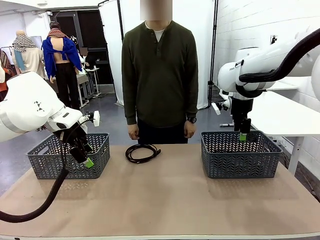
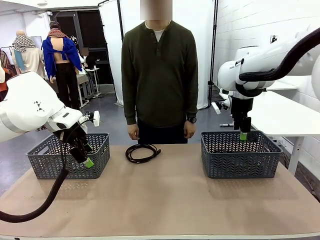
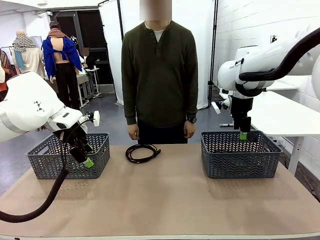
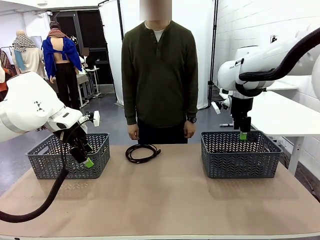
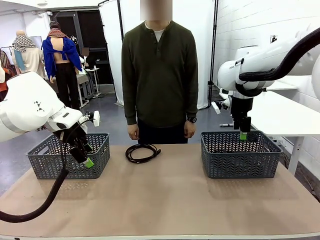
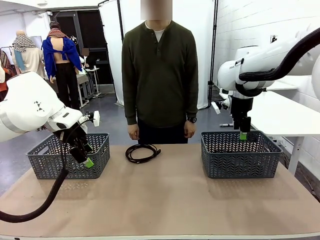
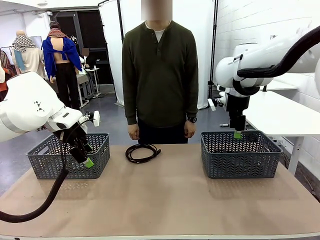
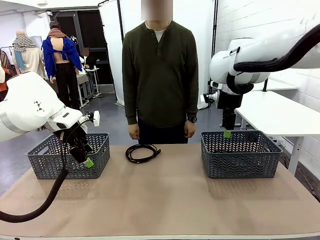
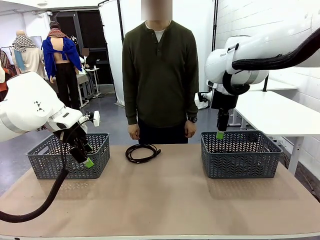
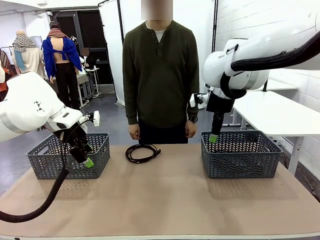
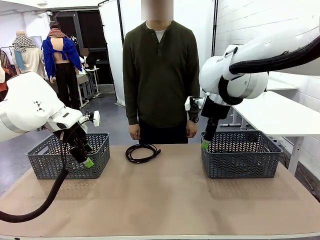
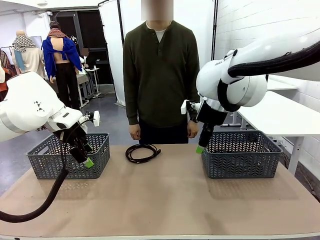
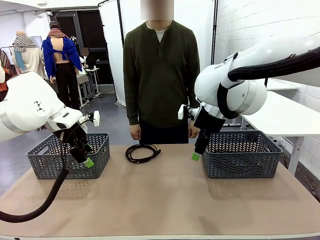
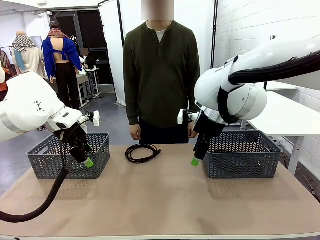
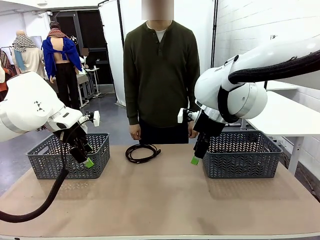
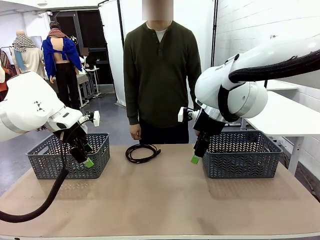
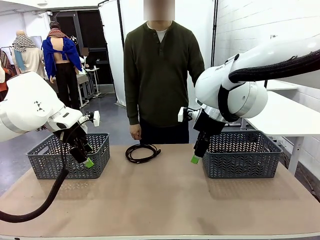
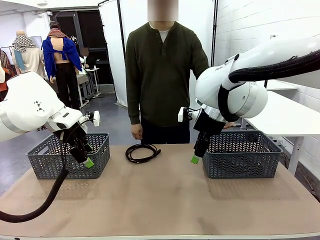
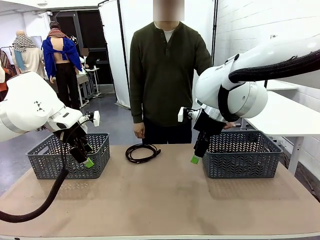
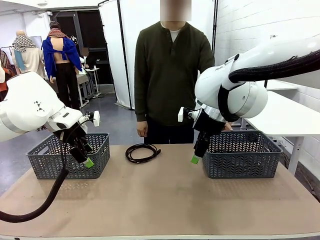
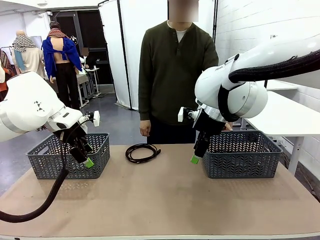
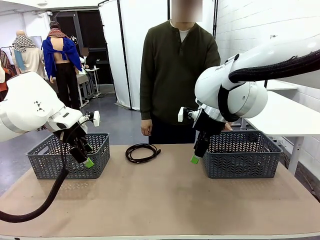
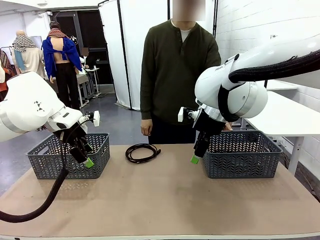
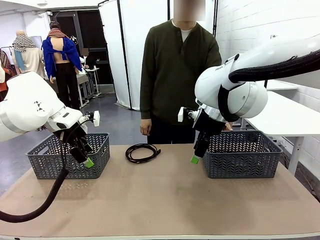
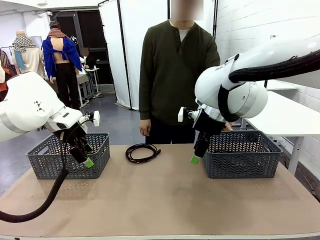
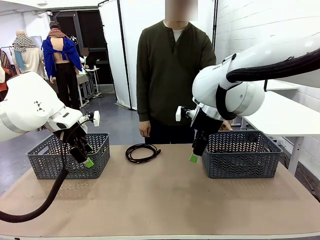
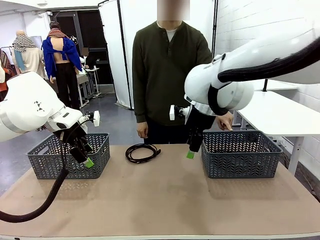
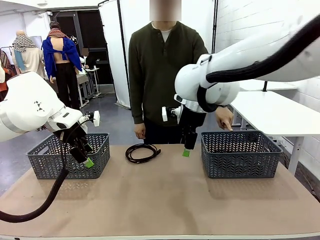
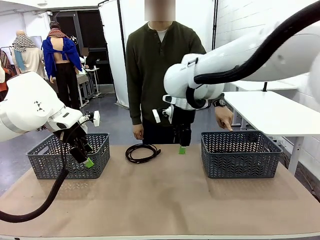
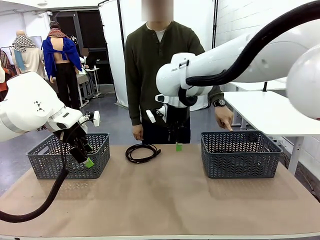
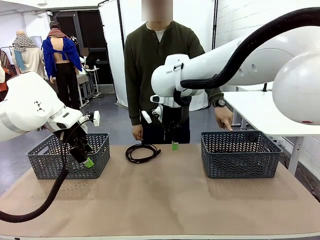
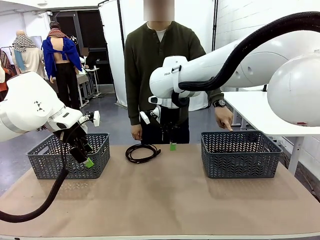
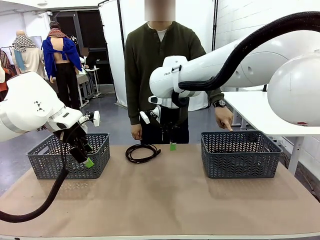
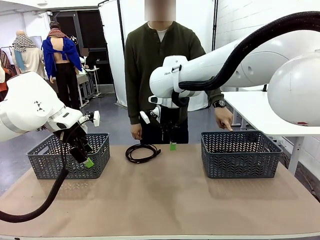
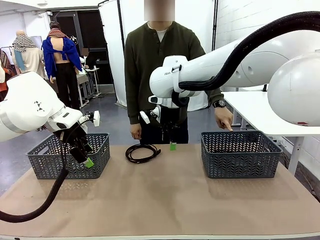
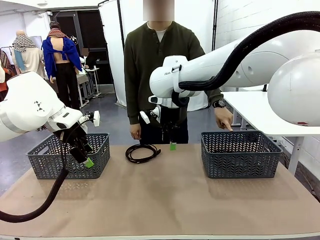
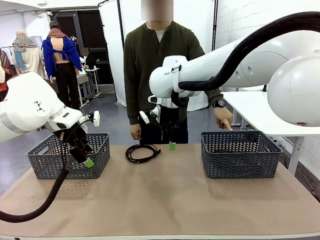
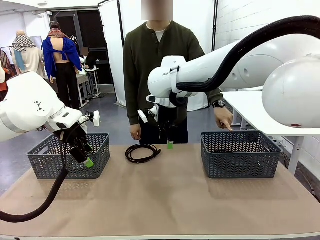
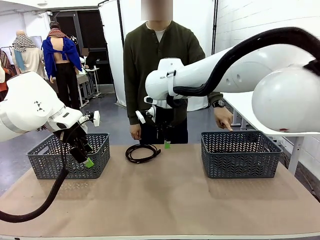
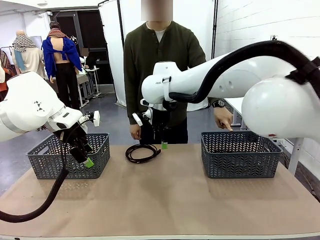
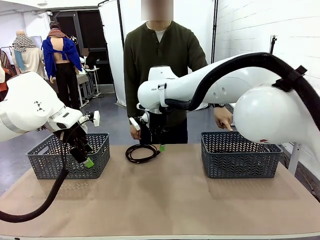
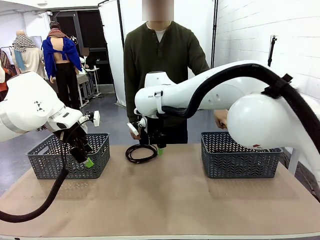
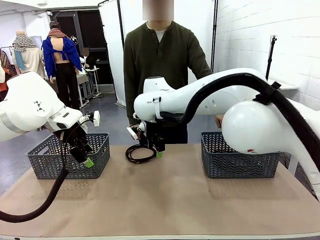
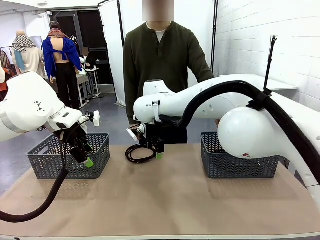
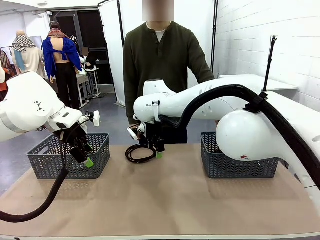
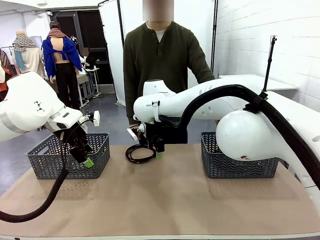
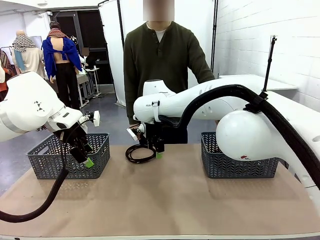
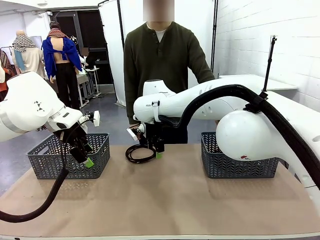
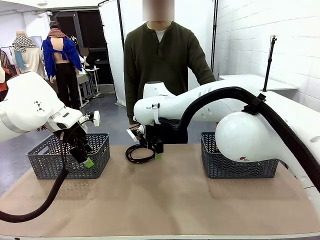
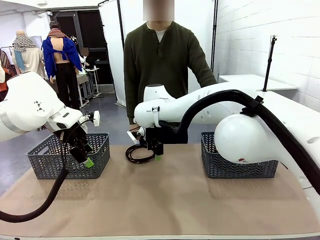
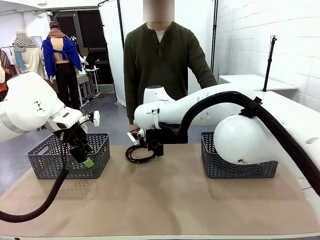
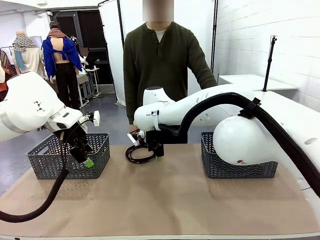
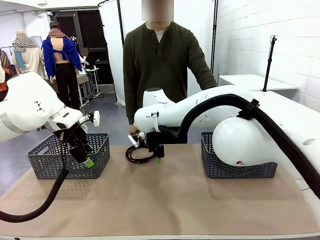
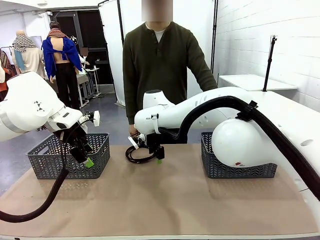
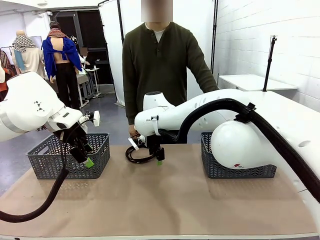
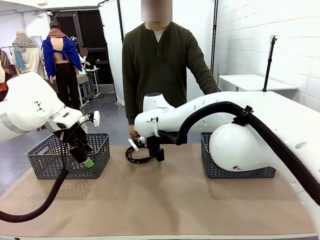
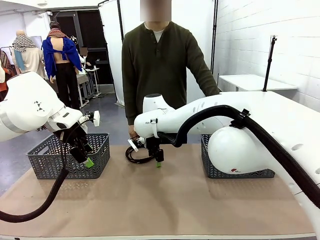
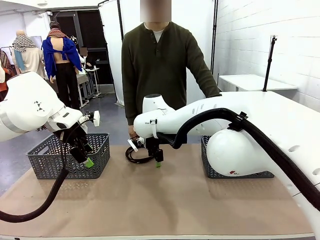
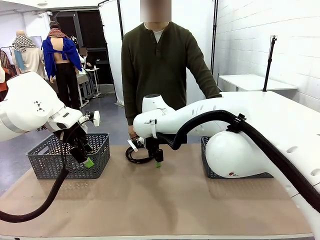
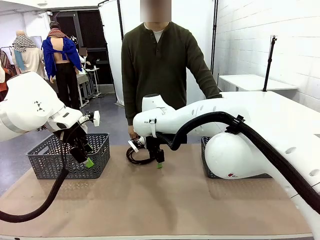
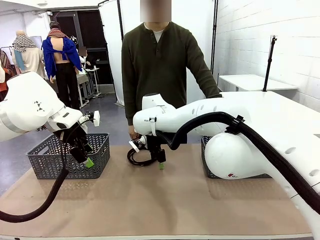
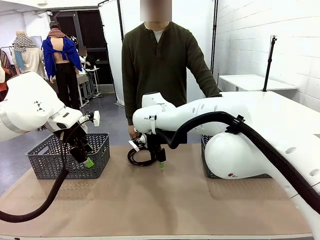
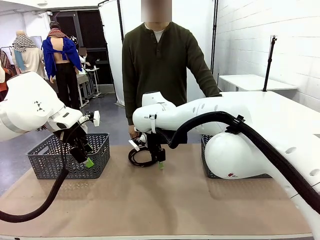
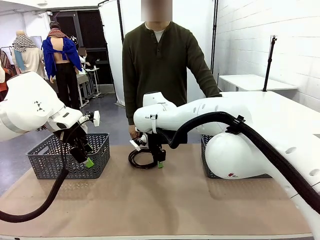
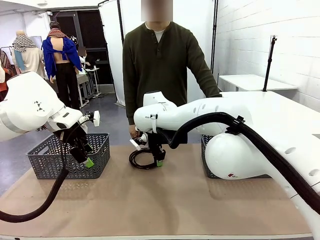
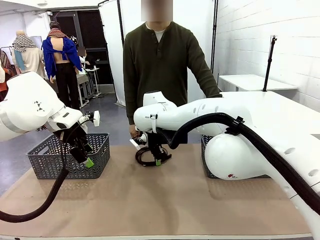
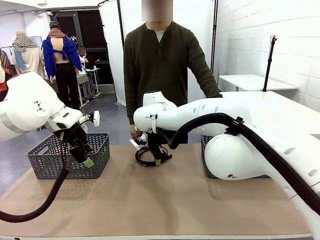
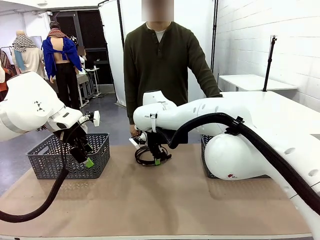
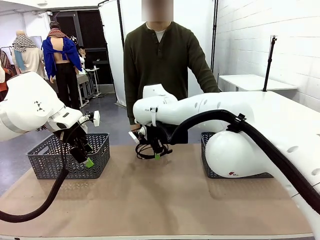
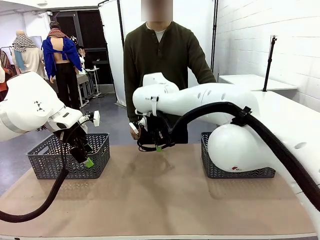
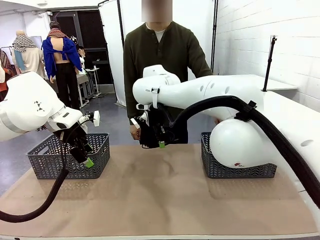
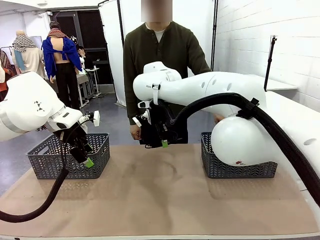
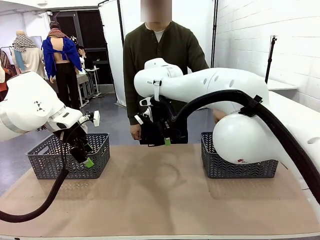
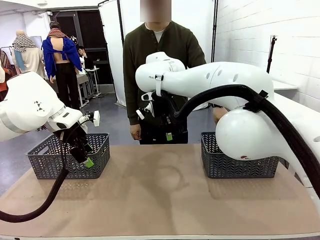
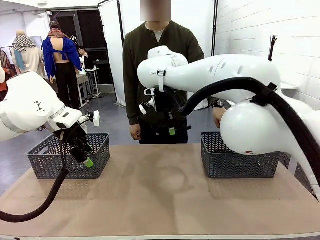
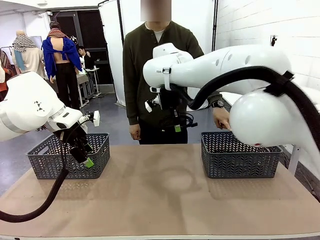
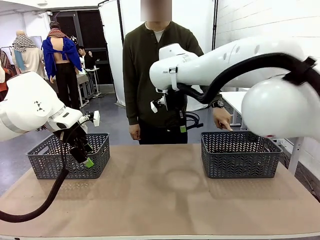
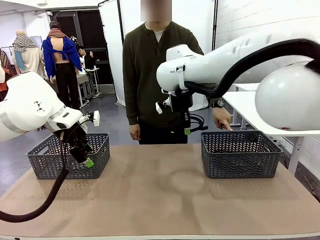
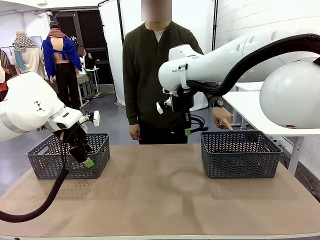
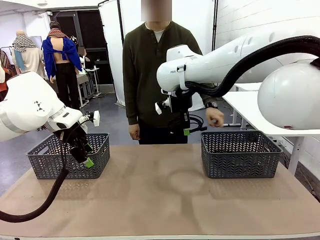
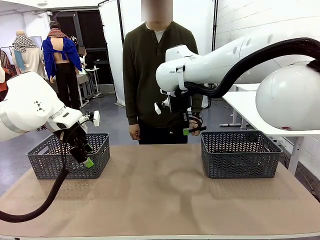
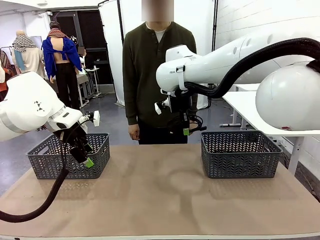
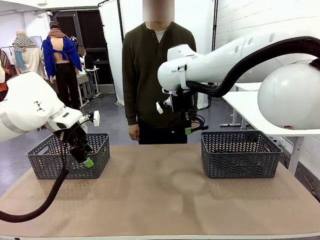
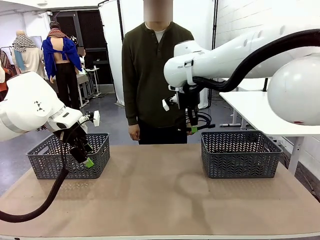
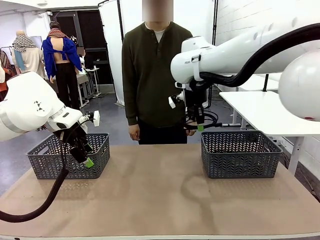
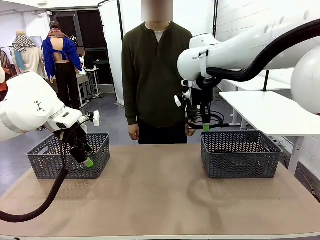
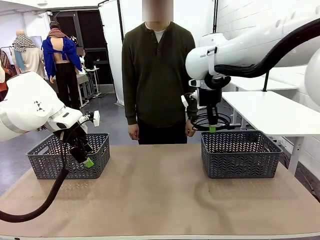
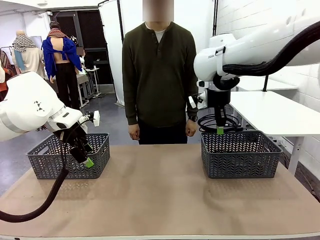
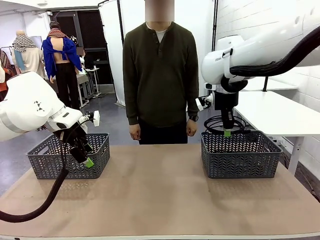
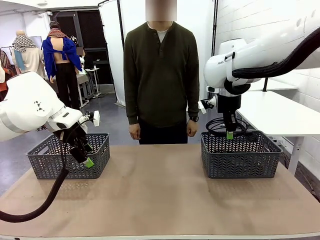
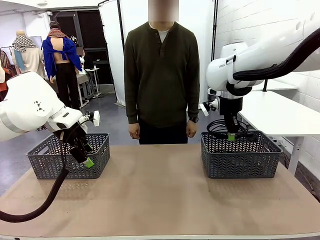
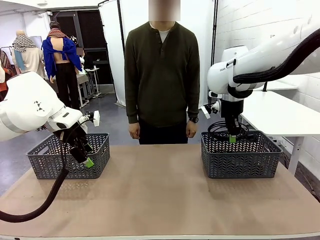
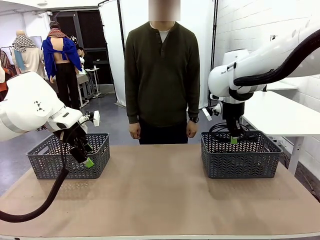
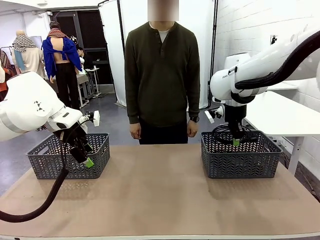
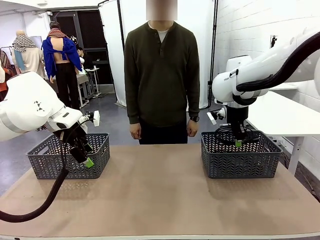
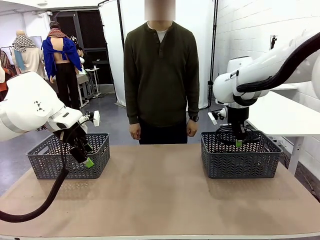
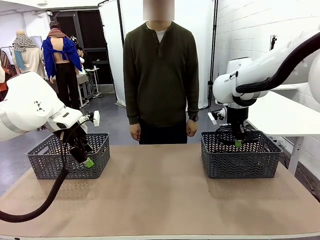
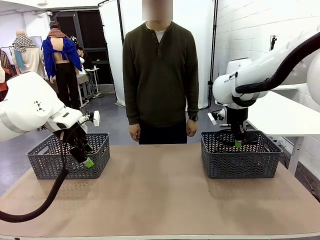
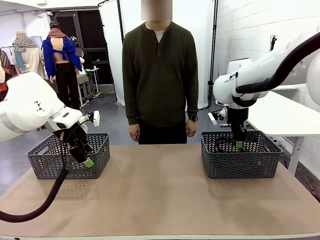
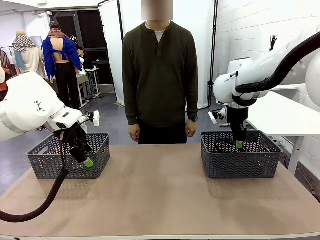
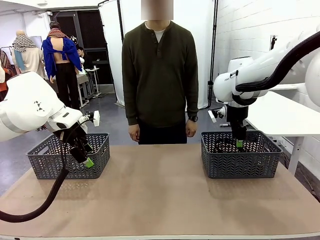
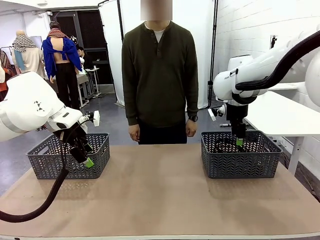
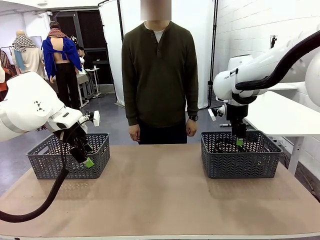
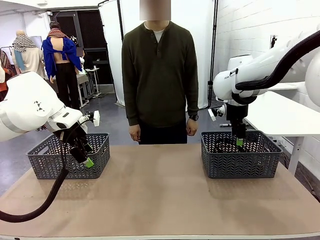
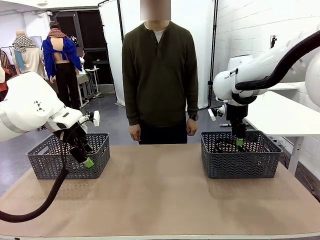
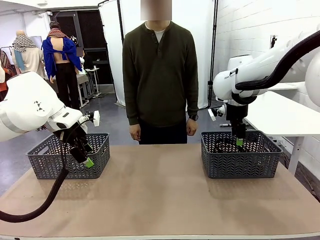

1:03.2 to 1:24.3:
Task: Organize the cables according to human instructions.
Robot: Pick up a bundle of cables and place it in the basket indicated by the human.
